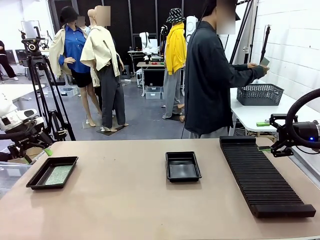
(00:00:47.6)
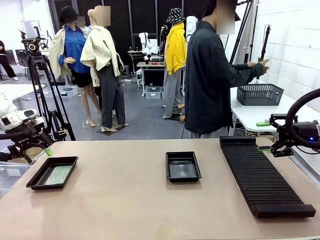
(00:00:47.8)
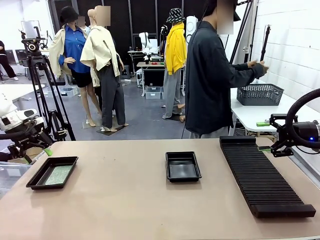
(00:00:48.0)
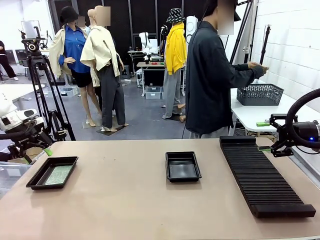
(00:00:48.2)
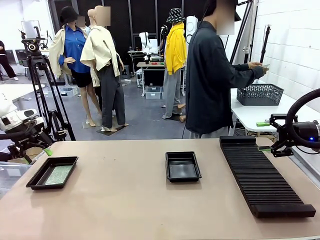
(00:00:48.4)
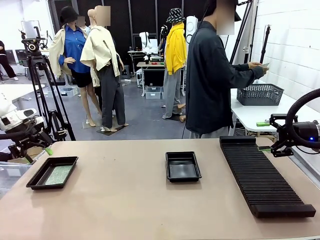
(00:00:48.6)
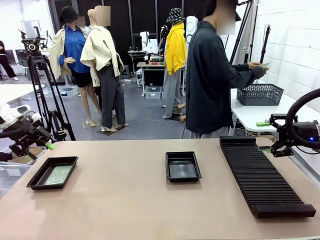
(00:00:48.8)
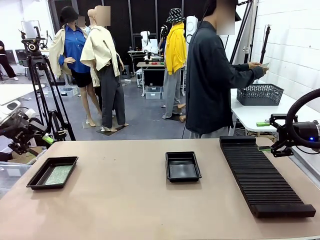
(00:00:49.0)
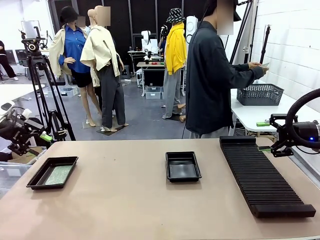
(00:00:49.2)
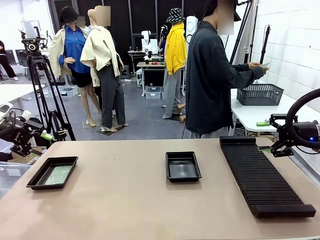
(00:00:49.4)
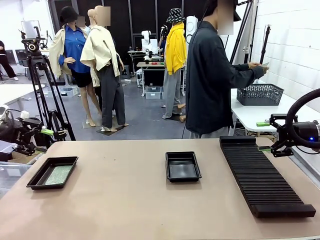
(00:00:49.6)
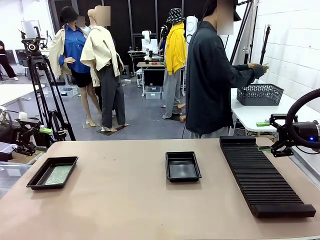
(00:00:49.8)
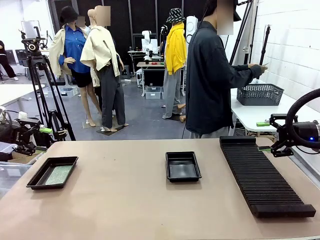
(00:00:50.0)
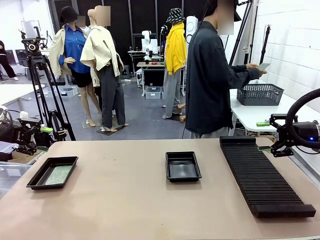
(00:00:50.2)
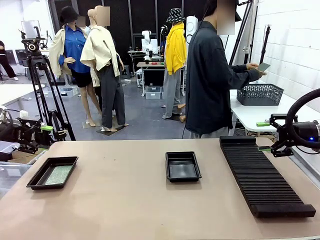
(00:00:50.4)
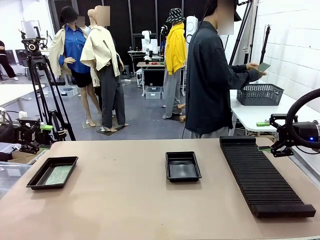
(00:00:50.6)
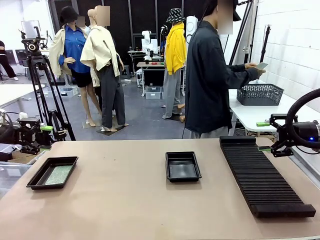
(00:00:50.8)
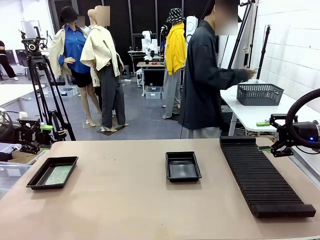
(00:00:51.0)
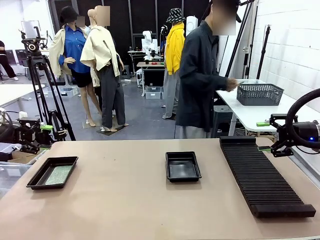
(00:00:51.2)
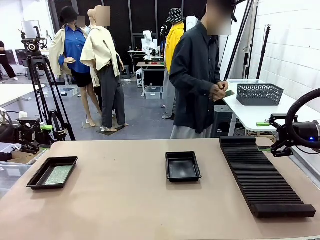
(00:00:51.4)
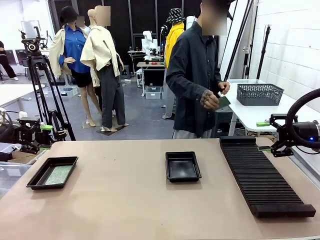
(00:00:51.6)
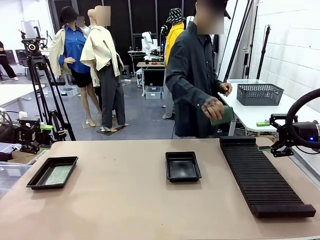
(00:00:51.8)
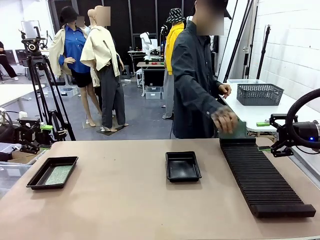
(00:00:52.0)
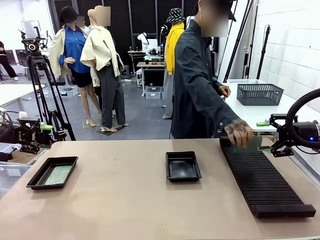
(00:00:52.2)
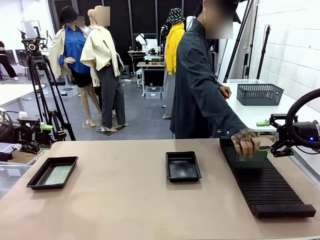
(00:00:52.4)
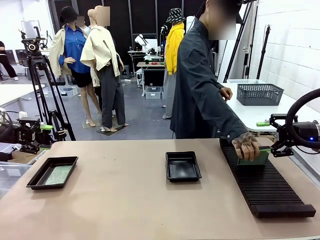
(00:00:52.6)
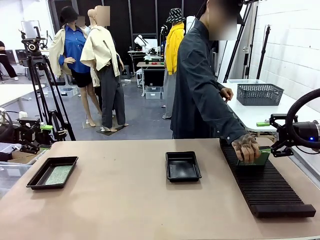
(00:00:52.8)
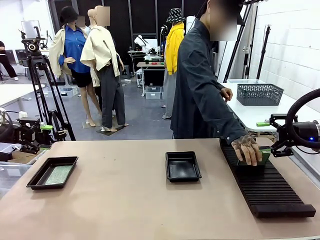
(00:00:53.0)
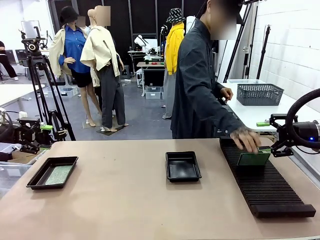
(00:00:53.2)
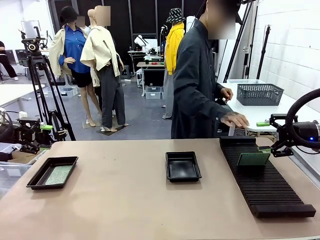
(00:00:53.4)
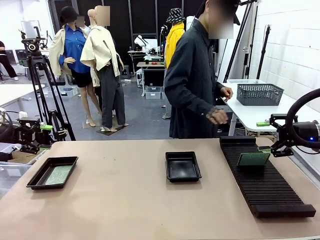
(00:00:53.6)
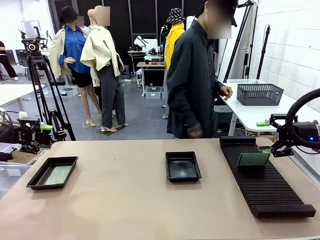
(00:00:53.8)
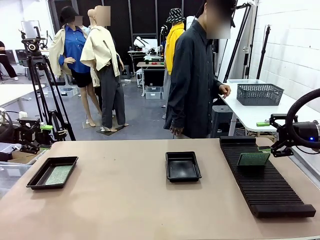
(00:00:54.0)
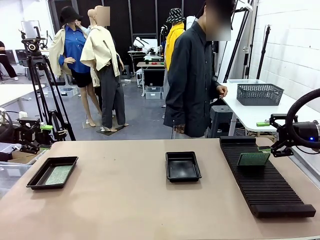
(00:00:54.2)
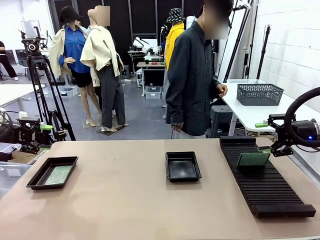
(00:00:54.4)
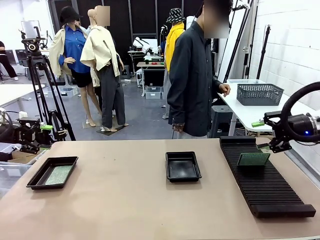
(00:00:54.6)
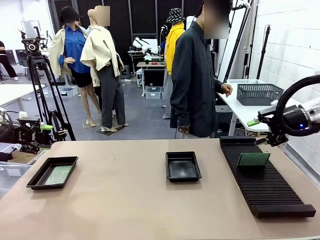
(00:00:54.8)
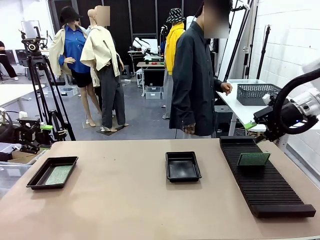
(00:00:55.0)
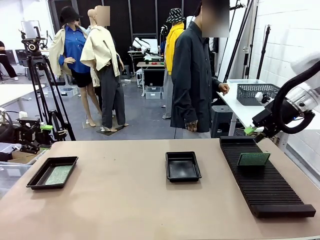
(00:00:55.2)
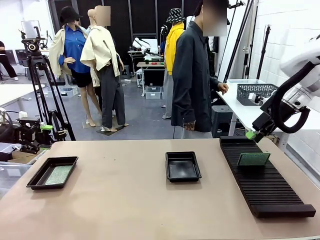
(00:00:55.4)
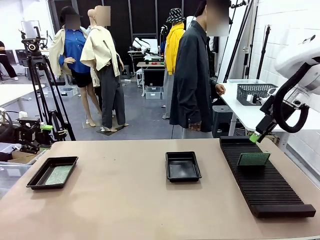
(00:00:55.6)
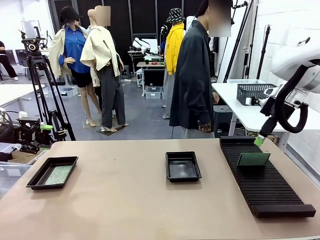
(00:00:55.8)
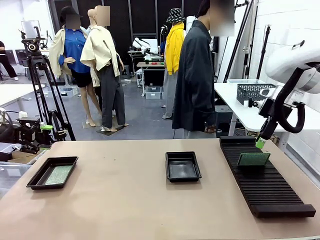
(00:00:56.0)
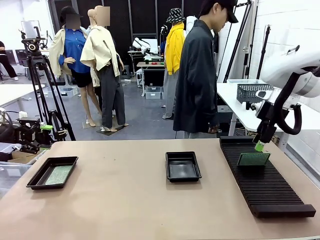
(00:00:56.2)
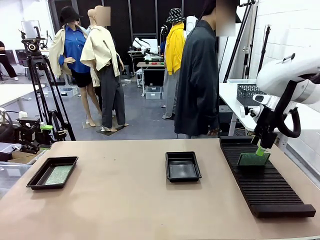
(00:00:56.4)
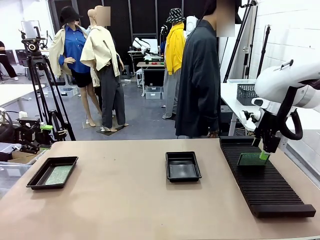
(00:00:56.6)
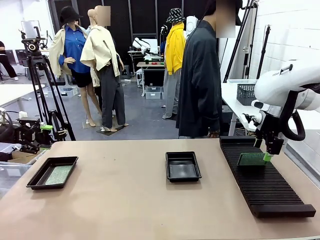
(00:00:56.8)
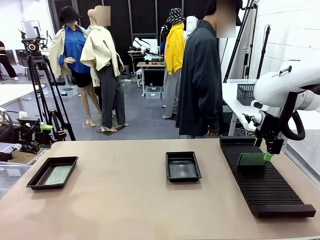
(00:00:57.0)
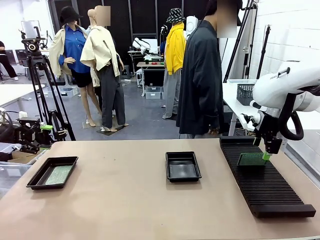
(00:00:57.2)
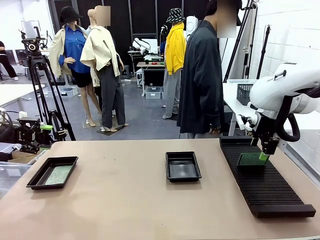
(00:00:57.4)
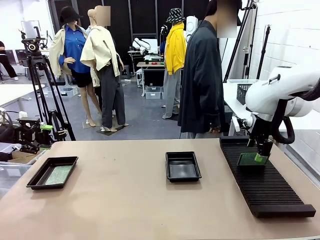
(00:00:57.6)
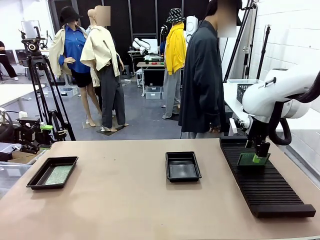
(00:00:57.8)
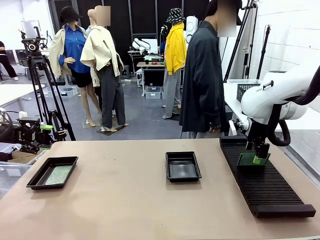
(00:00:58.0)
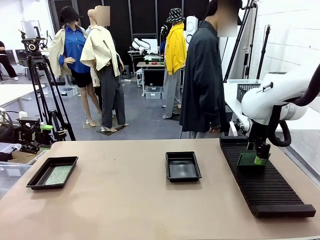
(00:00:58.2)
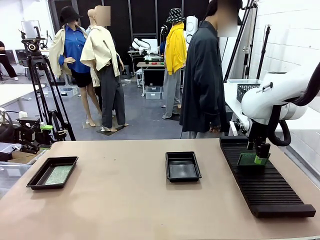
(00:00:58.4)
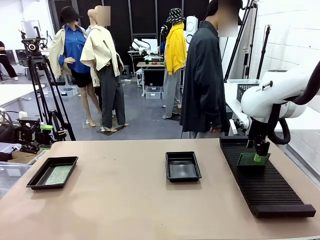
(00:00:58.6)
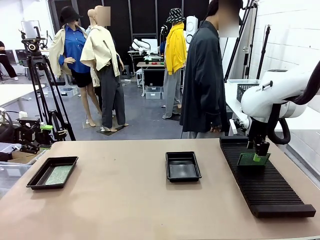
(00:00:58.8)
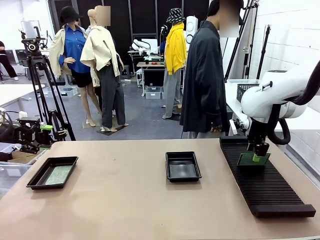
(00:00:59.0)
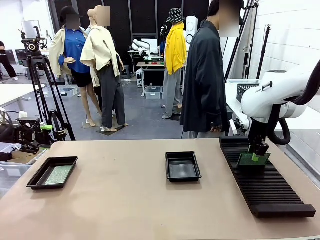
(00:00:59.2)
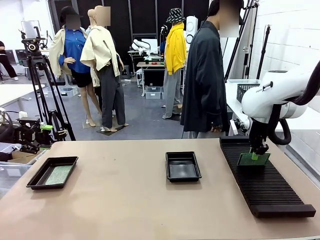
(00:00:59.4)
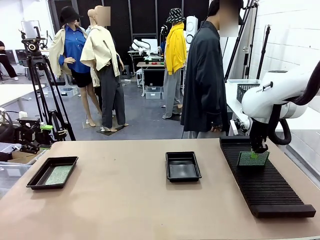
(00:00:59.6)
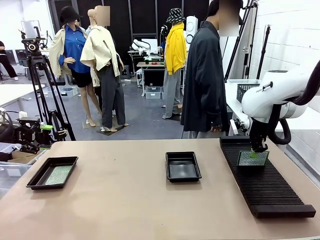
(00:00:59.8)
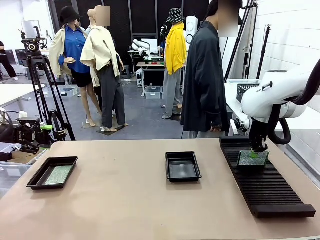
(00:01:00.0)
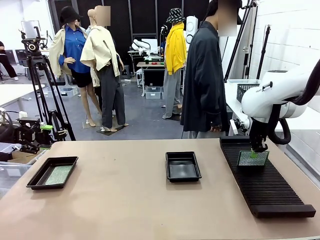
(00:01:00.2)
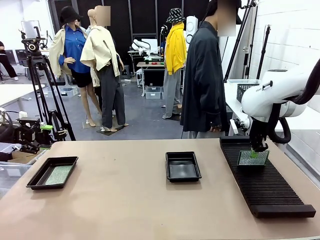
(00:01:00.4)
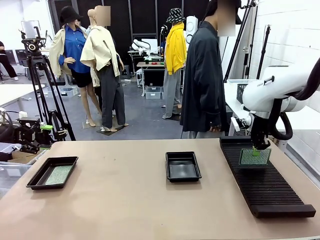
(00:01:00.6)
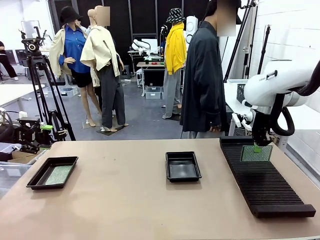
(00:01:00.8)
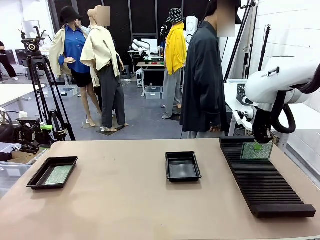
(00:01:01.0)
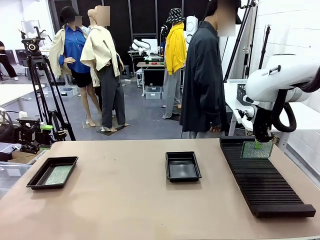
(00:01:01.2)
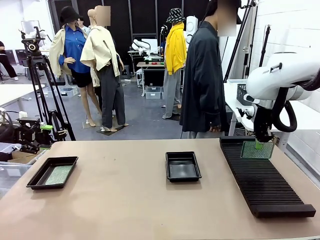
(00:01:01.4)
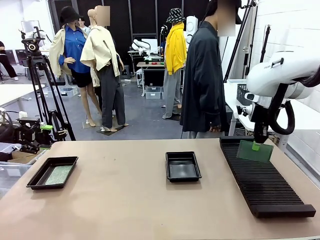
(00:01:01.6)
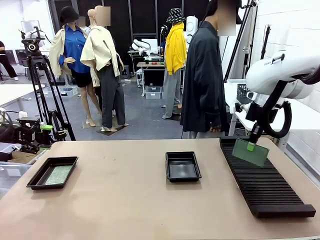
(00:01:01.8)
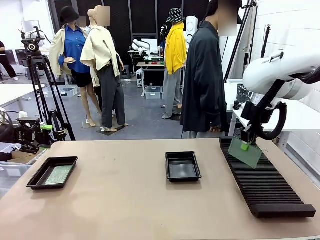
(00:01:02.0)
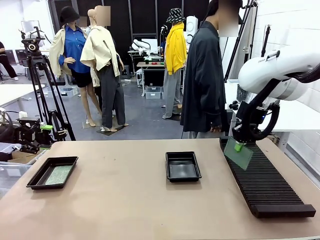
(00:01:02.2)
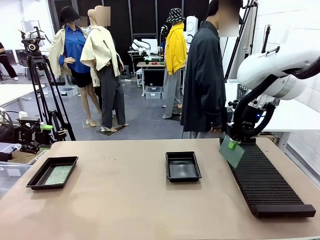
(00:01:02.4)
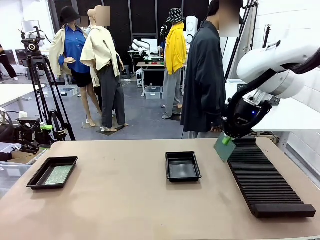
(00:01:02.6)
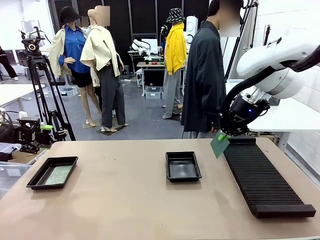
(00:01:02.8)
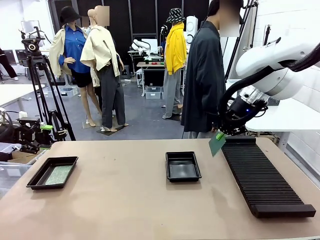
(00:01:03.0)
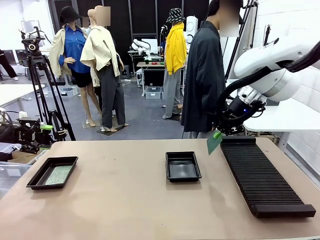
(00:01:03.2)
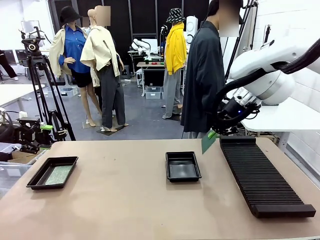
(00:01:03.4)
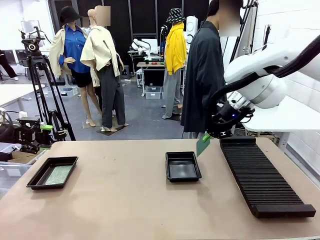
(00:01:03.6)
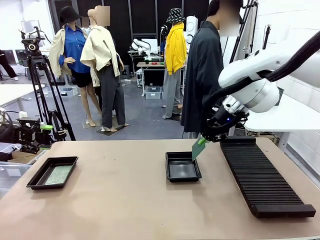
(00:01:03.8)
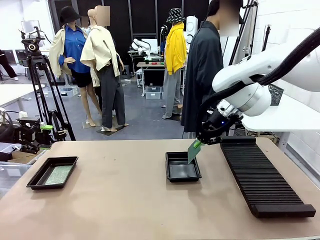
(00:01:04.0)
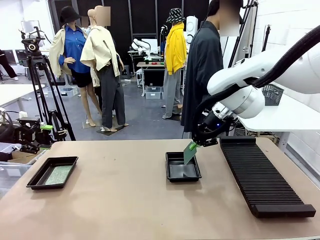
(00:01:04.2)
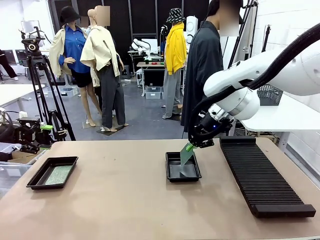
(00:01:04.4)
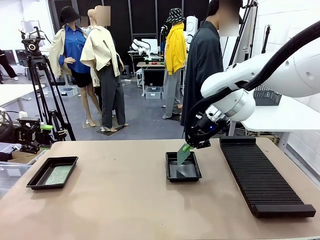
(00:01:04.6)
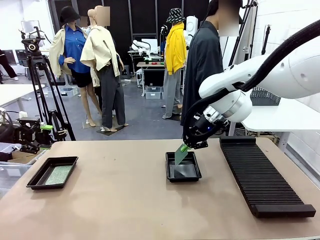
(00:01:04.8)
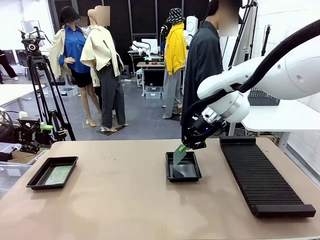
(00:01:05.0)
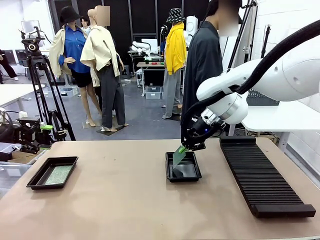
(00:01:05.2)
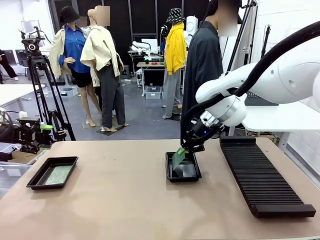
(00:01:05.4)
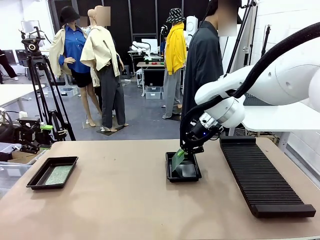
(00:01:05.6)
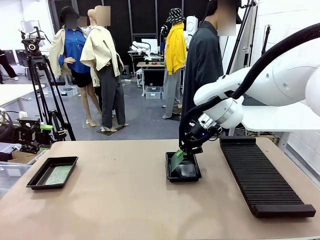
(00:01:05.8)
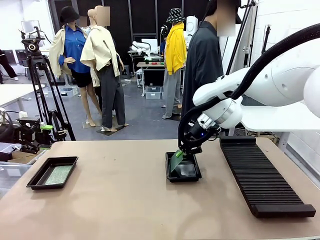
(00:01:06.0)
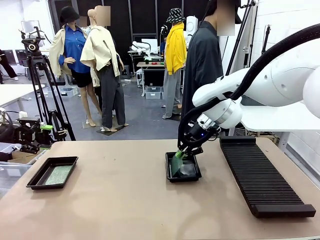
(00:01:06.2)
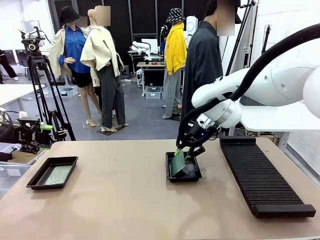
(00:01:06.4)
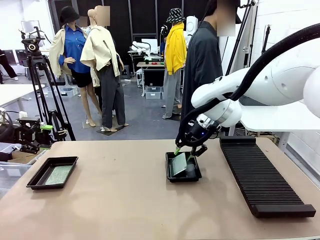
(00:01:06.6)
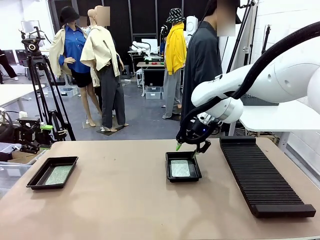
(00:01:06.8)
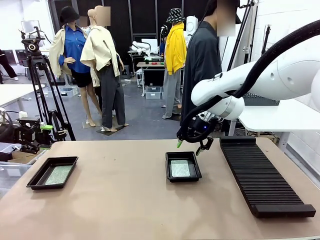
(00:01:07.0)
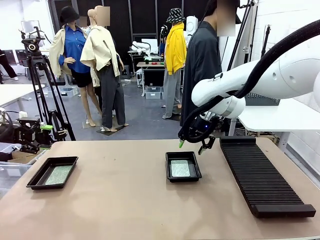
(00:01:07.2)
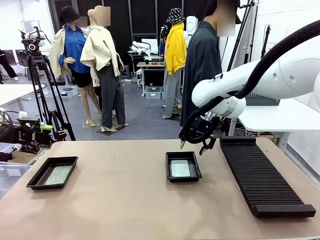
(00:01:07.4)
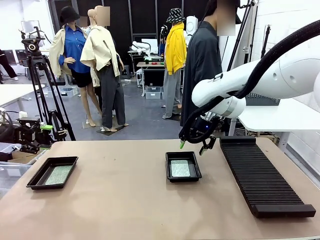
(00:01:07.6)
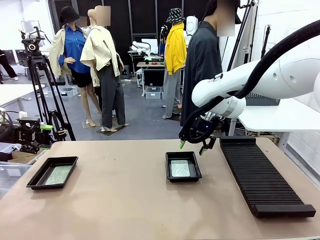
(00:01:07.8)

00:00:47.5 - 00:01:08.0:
Task: Inspect and transfer BCBs to ESD trays.
Robot: Pick up the Blank PCB from the PCB Rack and place it in the right ESD tray.
